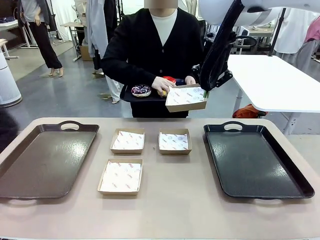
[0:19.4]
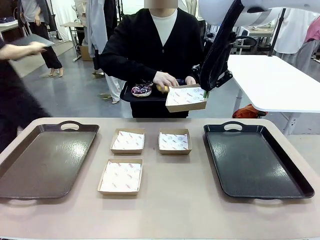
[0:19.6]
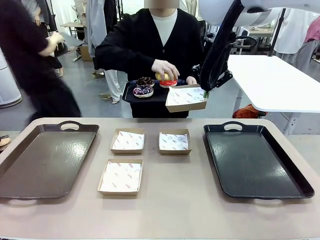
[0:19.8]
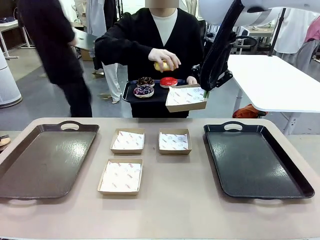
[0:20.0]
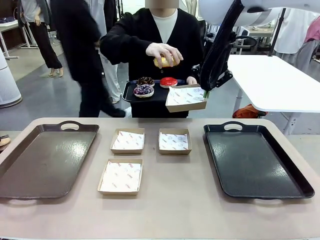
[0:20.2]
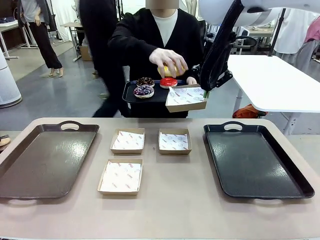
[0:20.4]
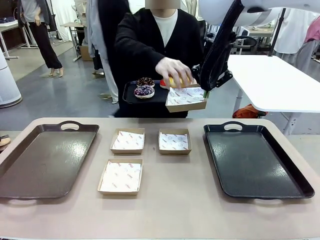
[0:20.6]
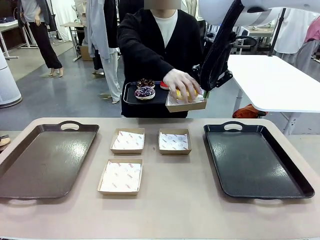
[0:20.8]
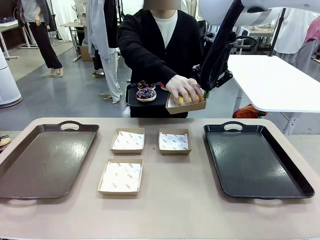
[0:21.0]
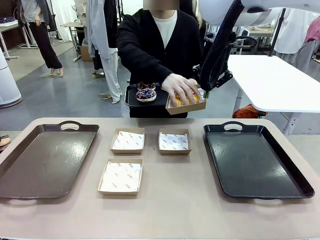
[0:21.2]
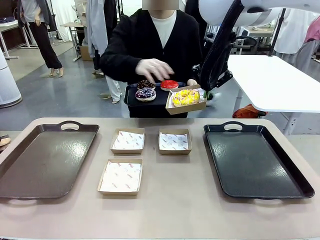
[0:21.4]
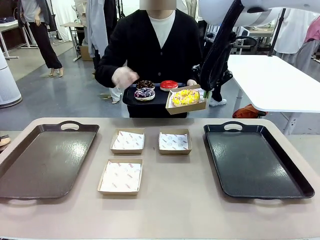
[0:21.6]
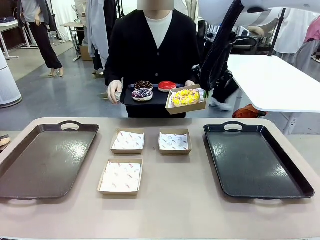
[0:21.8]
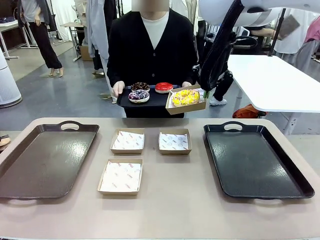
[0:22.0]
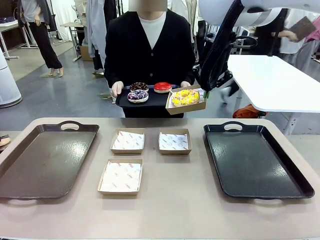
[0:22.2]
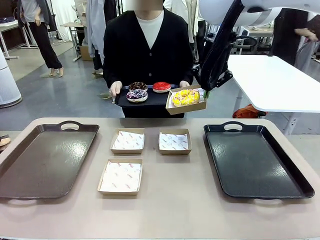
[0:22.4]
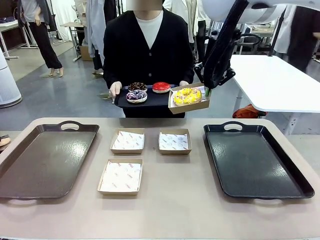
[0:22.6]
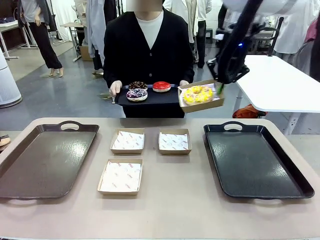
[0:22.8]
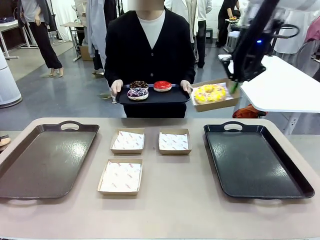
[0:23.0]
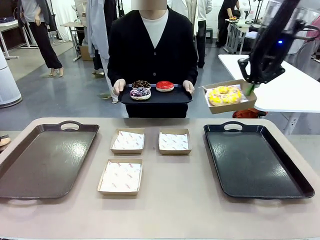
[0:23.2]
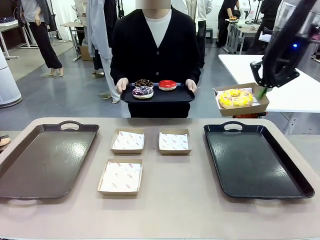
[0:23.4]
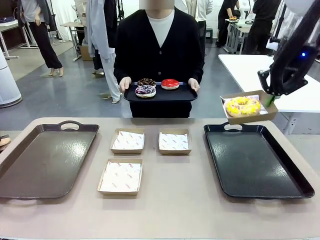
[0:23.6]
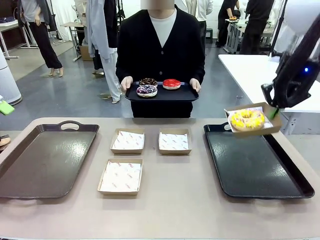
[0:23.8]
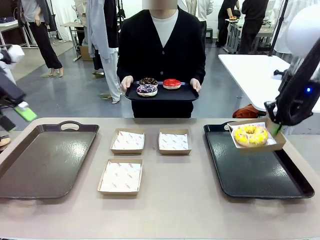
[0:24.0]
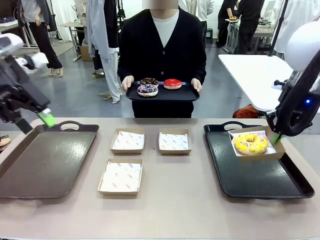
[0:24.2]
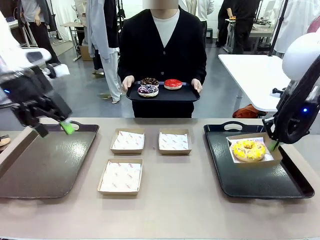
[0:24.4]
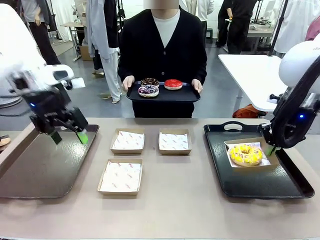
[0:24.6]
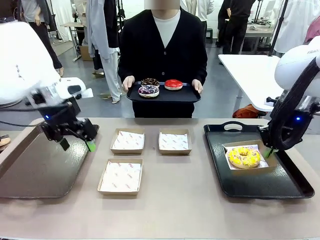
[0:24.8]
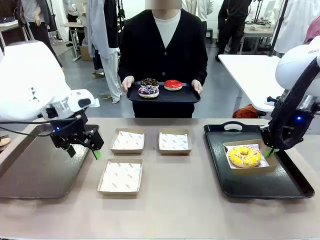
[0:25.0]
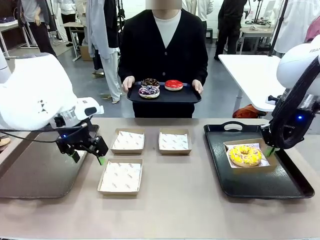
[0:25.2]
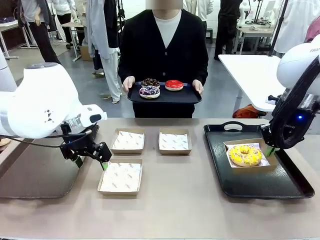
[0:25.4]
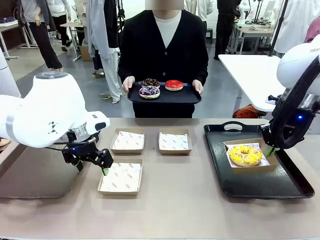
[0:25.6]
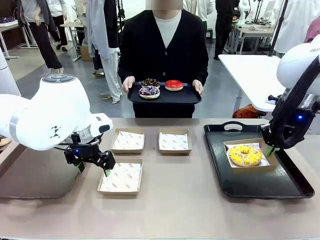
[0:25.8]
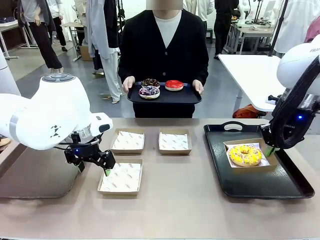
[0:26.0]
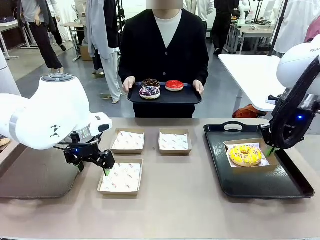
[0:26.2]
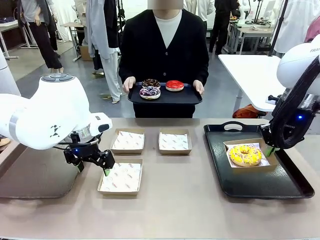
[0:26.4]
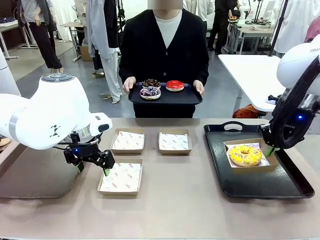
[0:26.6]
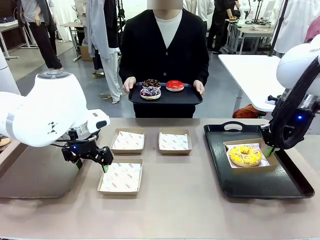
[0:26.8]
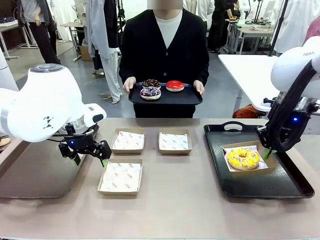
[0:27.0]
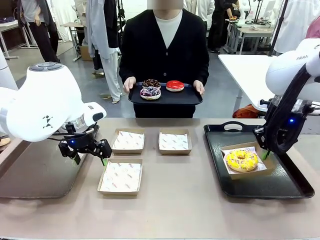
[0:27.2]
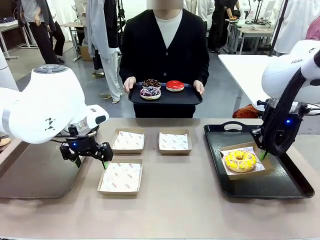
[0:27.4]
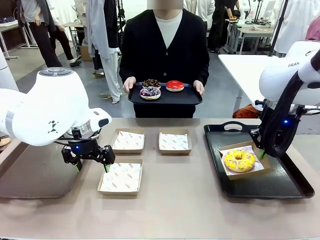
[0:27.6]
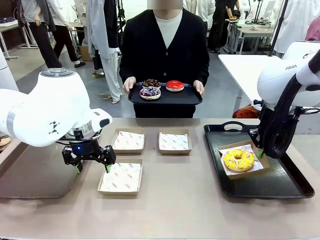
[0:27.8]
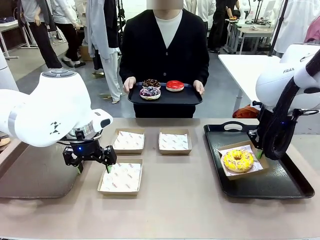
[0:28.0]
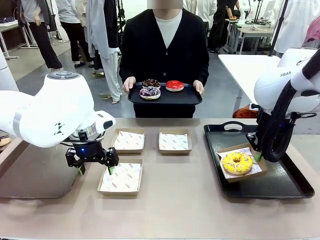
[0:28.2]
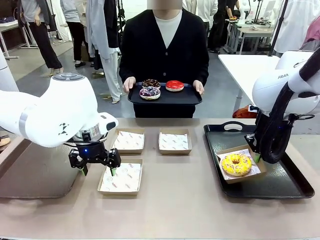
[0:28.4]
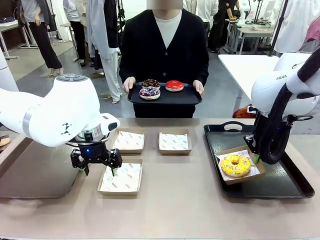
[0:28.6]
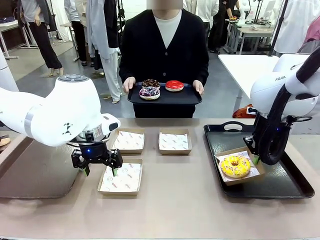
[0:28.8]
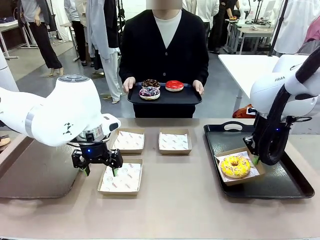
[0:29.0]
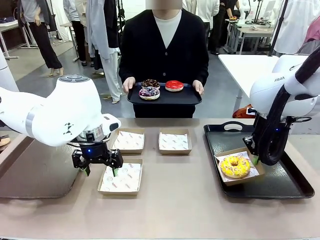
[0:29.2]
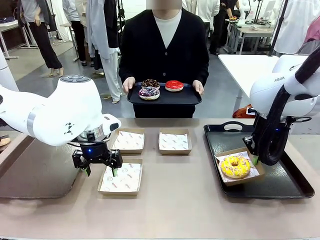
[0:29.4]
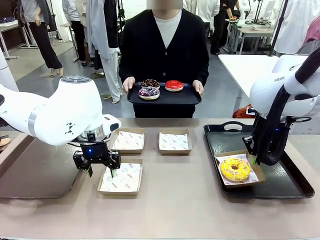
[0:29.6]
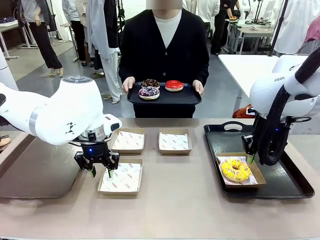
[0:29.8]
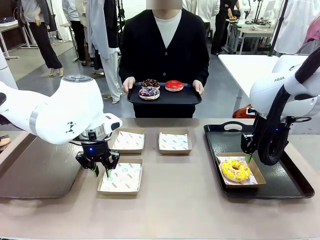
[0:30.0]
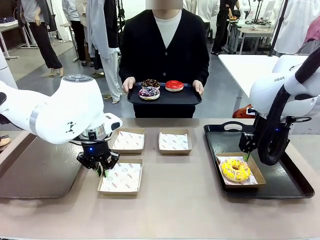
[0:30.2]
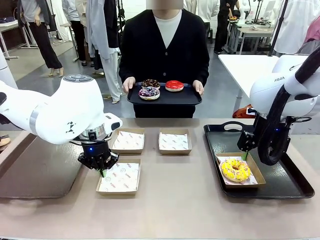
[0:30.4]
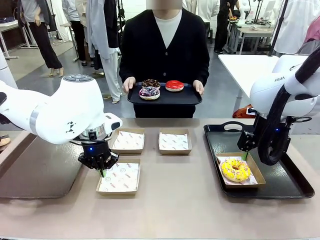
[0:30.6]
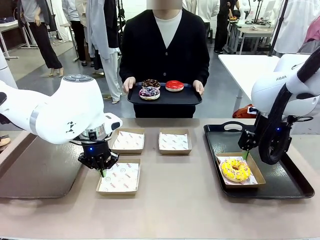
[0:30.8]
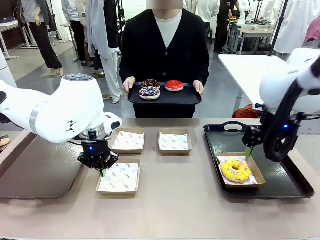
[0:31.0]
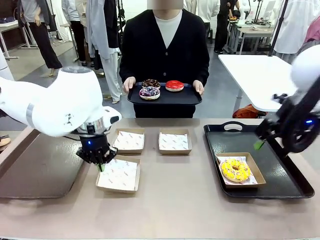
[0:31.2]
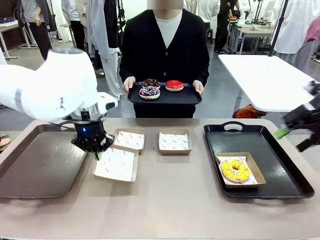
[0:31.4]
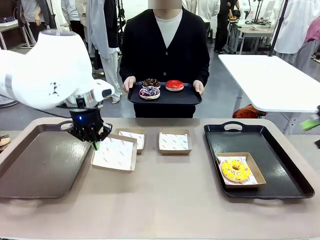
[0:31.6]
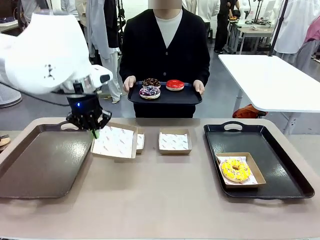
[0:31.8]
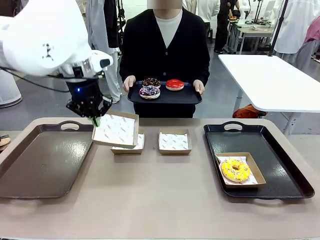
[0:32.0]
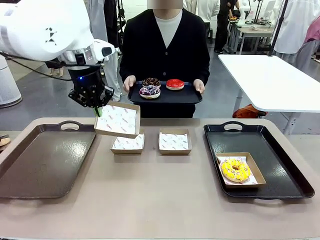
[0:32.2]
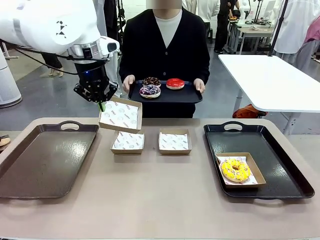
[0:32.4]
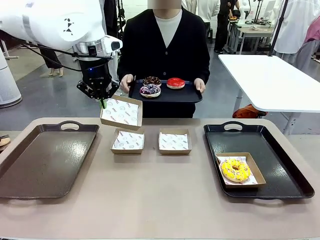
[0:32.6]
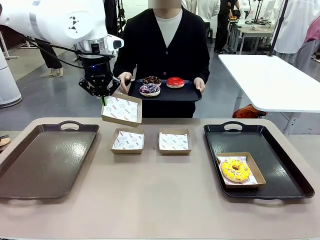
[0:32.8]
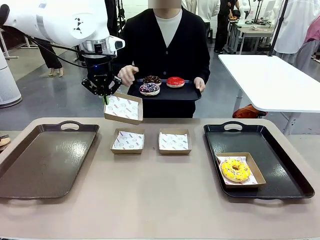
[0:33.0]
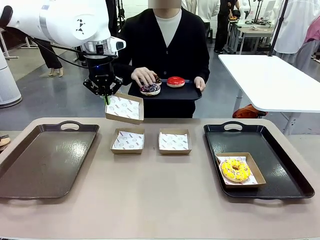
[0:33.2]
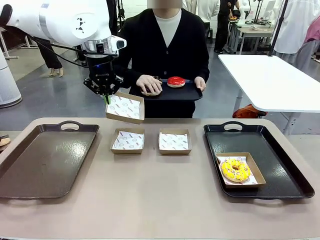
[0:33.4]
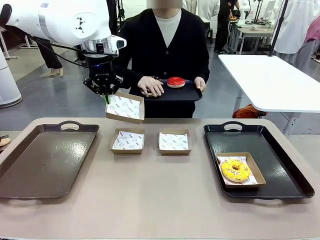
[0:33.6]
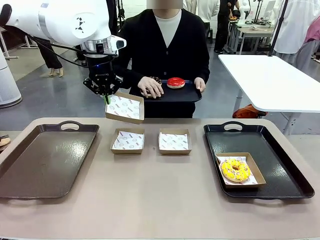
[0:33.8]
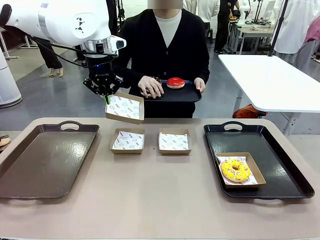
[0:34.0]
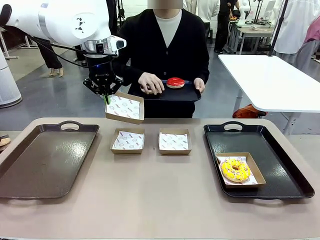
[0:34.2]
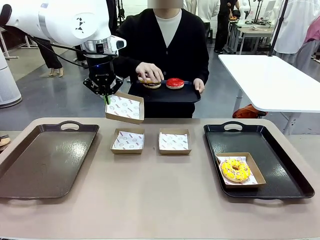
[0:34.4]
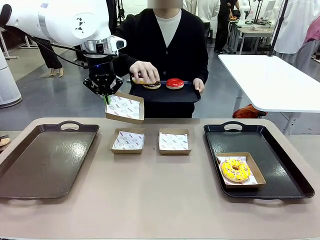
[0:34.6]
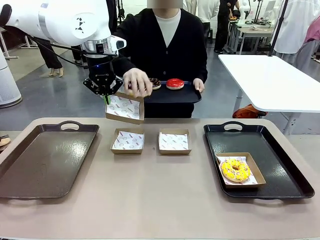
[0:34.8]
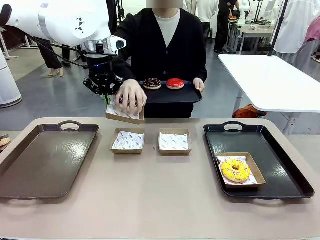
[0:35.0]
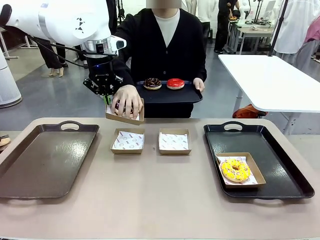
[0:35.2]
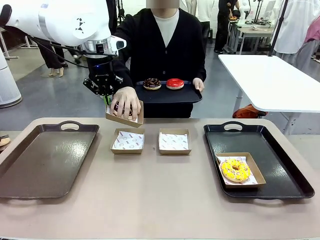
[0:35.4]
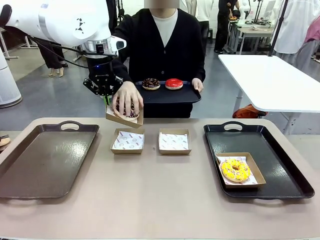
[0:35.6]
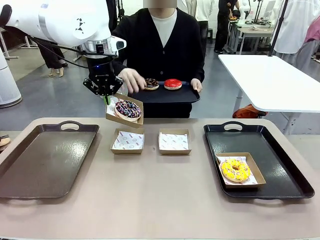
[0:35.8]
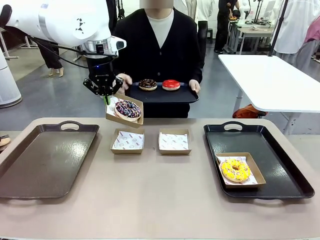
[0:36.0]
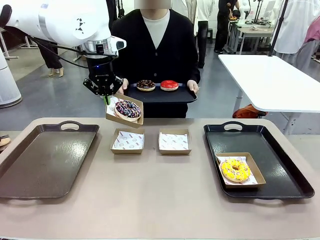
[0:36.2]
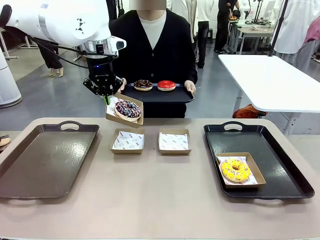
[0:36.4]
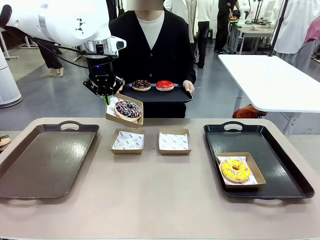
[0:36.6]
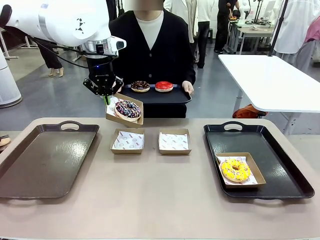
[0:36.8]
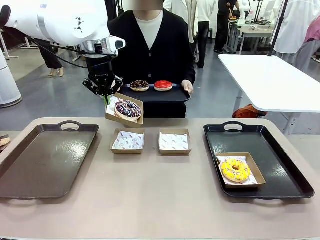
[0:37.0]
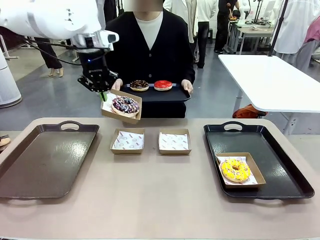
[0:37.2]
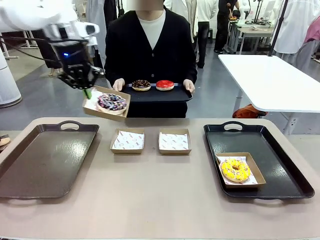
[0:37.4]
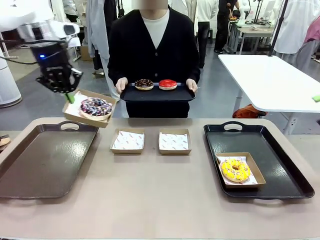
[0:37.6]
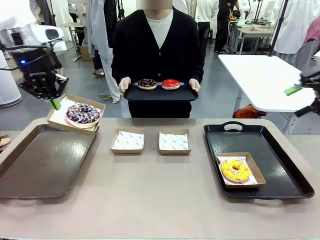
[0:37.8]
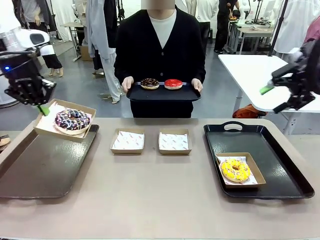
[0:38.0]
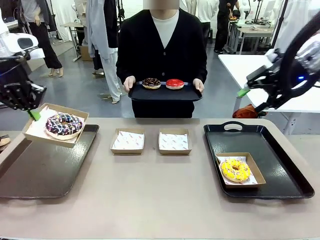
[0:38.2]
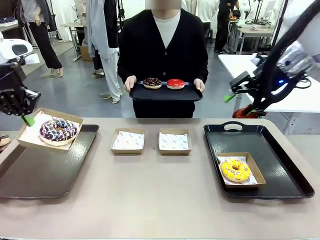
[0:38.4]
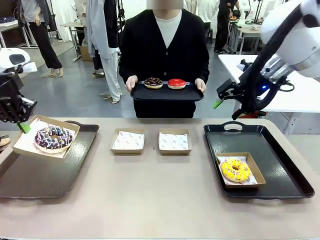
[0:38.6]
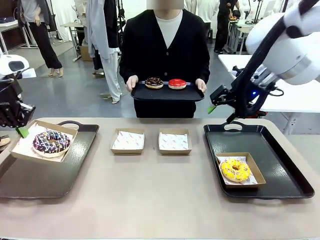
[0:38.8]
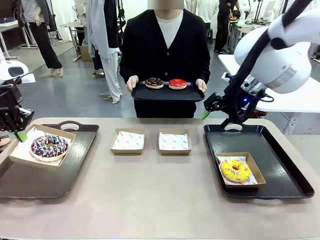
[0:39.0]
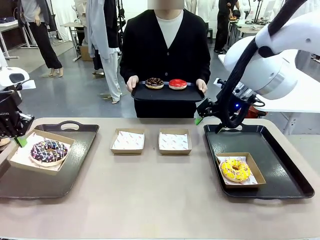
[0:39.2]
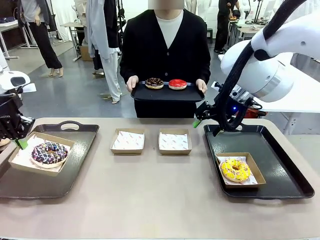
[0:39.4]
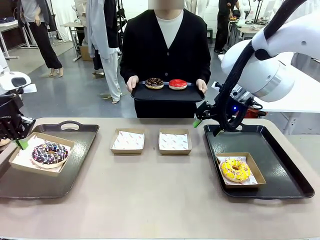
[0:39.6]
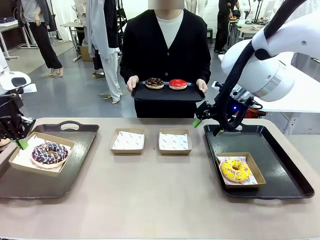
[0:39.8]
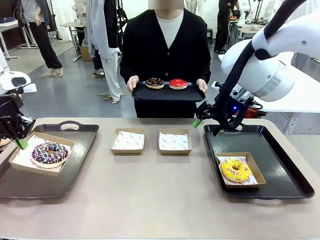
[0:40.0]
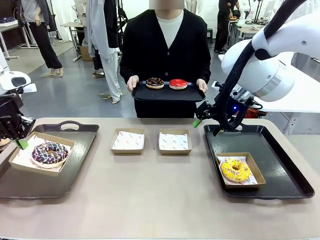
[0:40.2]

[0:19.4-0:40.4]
Task: Individually package the donuts and arrange them on the tray.
Robot: Place the picked Paper togo box on the Handle tray while simultaneously picking up another Paper togo box from the table with the other hand.
